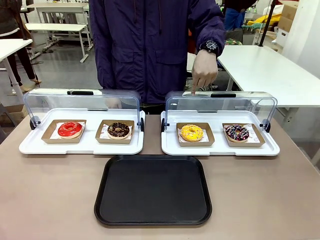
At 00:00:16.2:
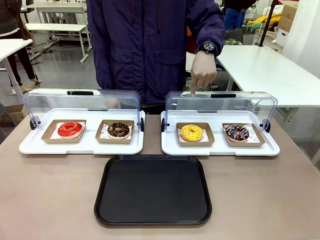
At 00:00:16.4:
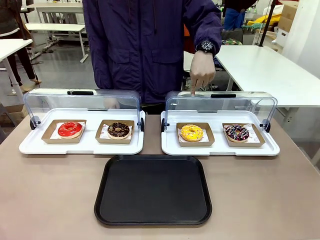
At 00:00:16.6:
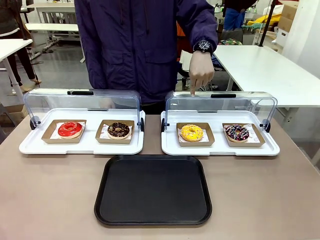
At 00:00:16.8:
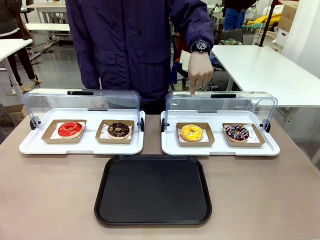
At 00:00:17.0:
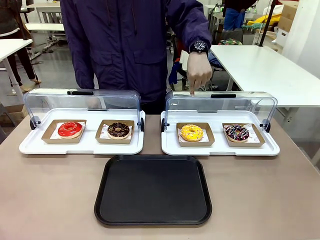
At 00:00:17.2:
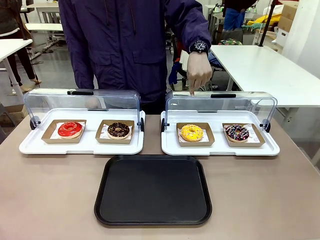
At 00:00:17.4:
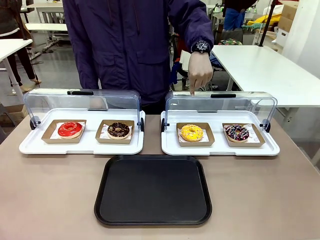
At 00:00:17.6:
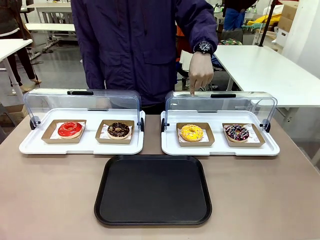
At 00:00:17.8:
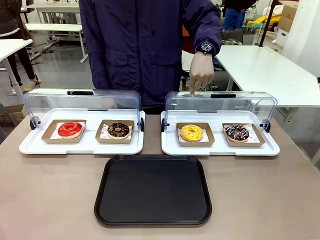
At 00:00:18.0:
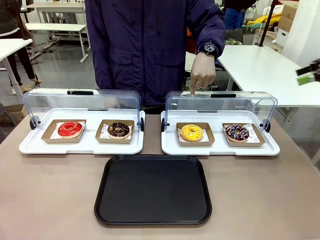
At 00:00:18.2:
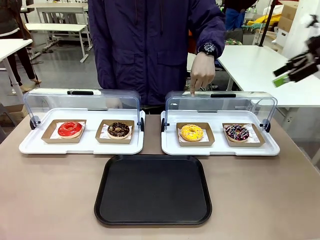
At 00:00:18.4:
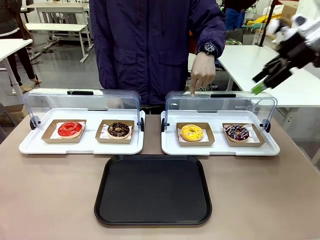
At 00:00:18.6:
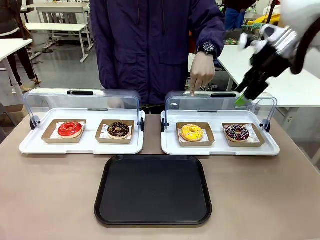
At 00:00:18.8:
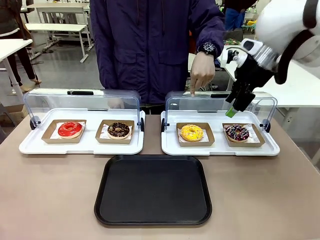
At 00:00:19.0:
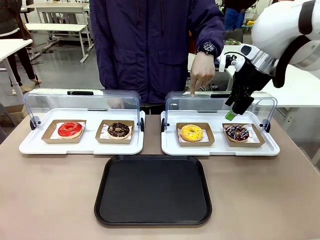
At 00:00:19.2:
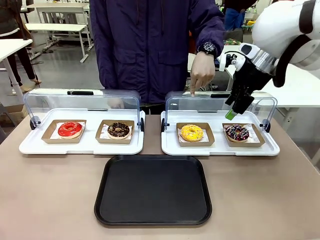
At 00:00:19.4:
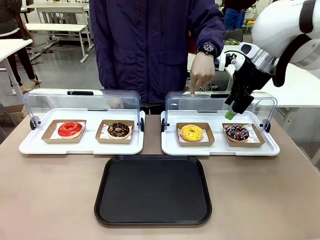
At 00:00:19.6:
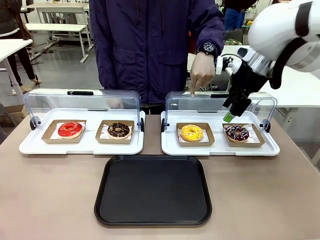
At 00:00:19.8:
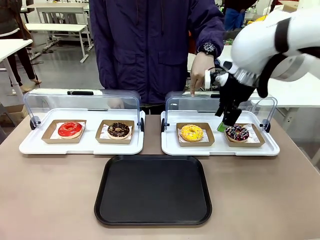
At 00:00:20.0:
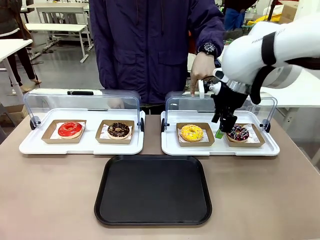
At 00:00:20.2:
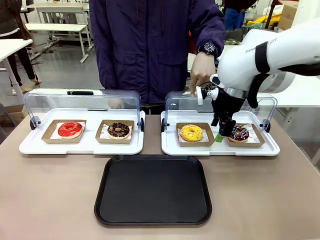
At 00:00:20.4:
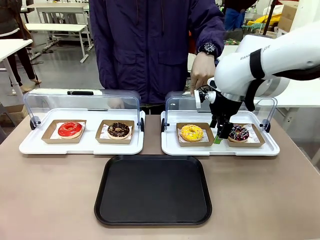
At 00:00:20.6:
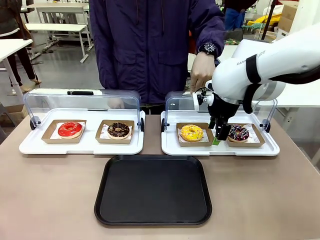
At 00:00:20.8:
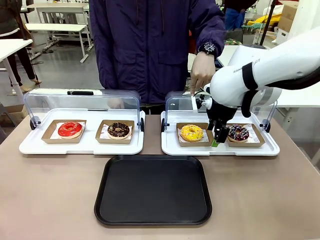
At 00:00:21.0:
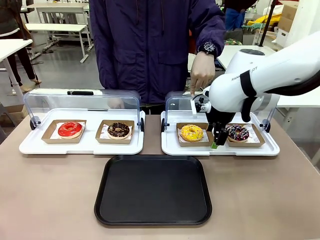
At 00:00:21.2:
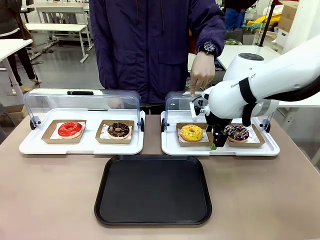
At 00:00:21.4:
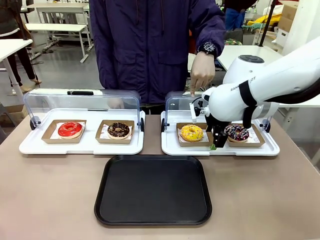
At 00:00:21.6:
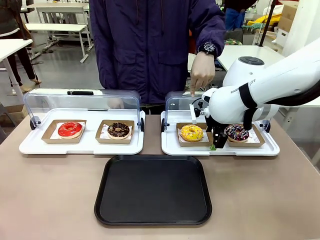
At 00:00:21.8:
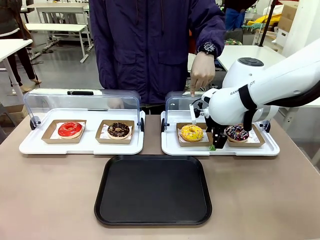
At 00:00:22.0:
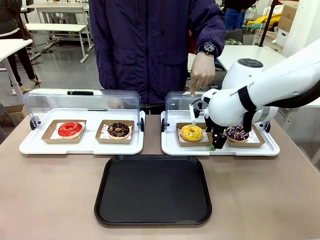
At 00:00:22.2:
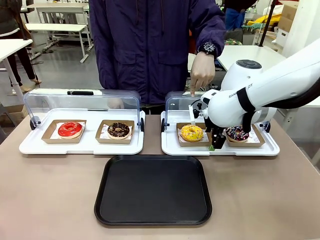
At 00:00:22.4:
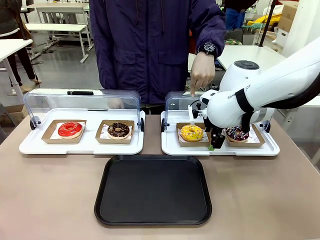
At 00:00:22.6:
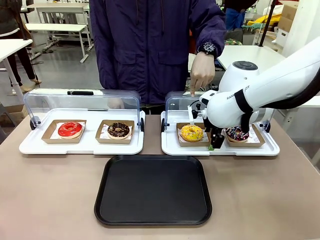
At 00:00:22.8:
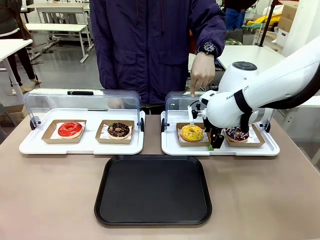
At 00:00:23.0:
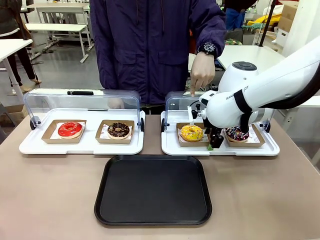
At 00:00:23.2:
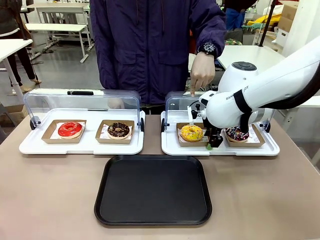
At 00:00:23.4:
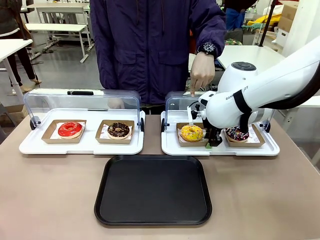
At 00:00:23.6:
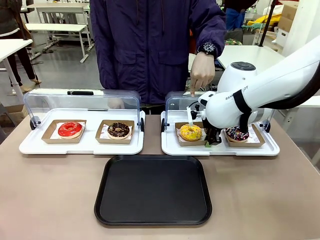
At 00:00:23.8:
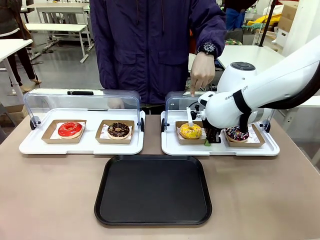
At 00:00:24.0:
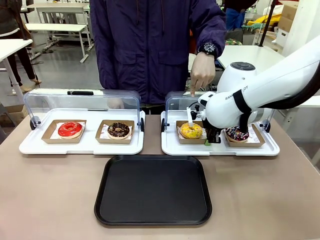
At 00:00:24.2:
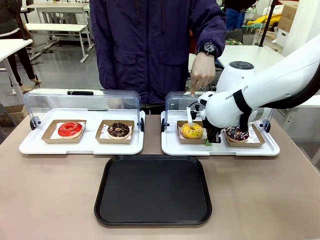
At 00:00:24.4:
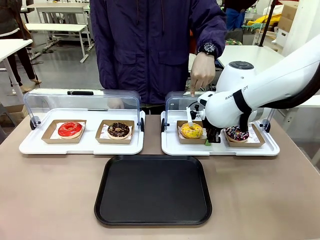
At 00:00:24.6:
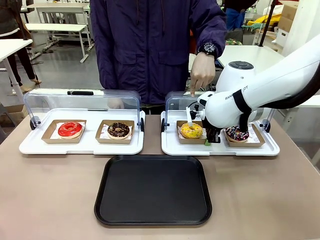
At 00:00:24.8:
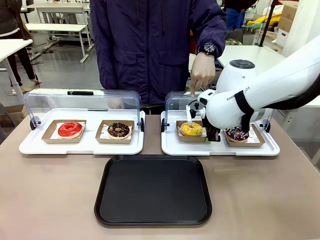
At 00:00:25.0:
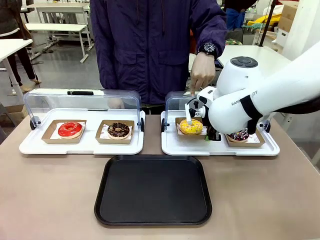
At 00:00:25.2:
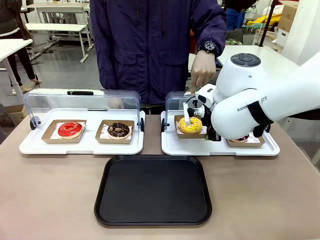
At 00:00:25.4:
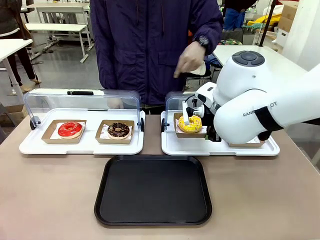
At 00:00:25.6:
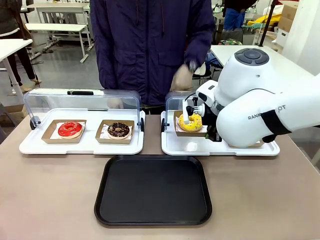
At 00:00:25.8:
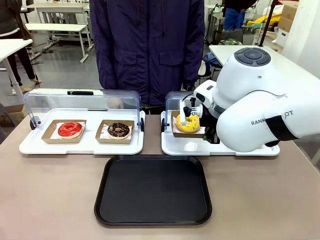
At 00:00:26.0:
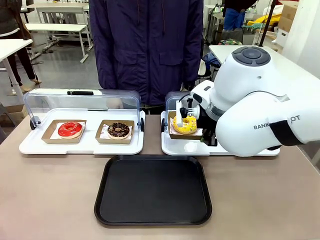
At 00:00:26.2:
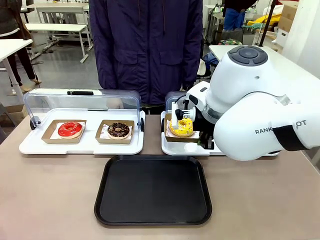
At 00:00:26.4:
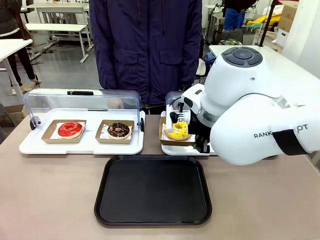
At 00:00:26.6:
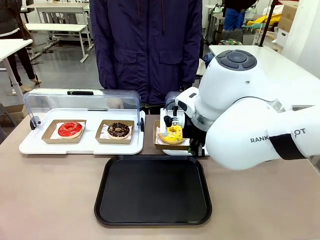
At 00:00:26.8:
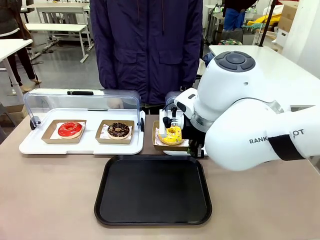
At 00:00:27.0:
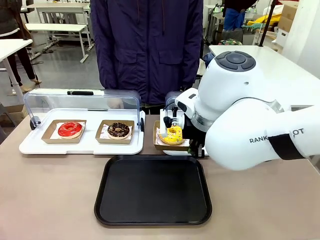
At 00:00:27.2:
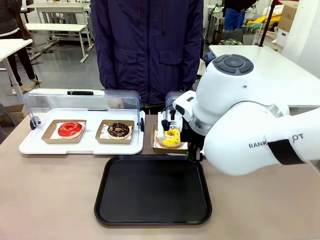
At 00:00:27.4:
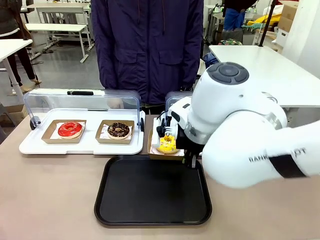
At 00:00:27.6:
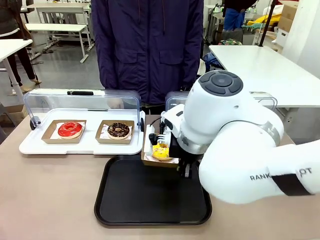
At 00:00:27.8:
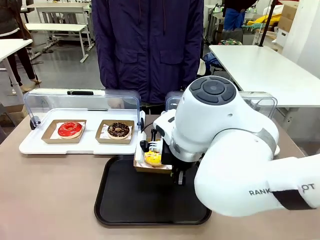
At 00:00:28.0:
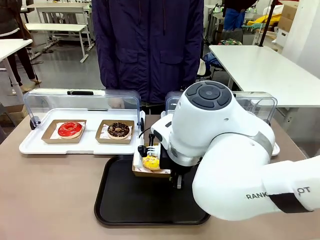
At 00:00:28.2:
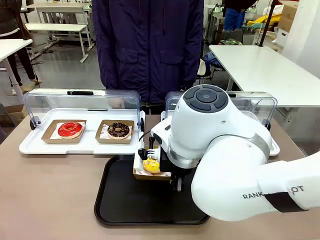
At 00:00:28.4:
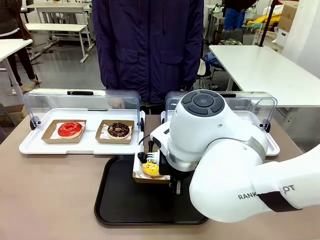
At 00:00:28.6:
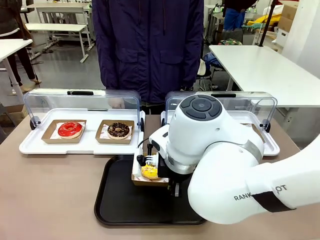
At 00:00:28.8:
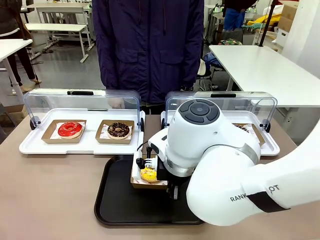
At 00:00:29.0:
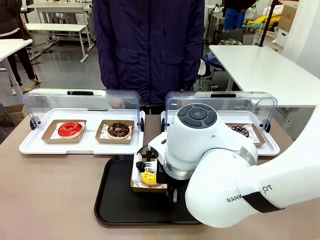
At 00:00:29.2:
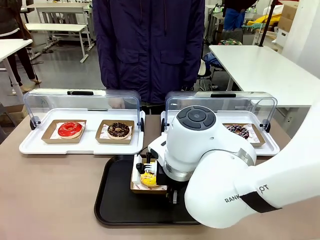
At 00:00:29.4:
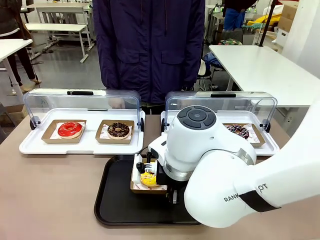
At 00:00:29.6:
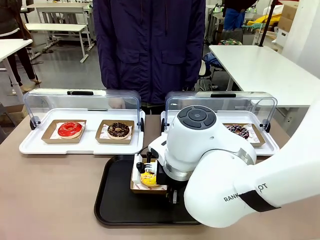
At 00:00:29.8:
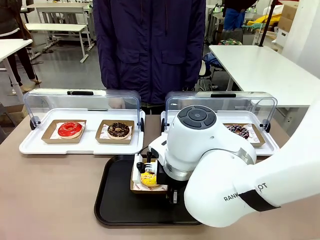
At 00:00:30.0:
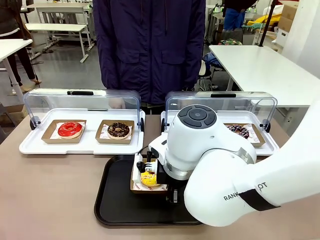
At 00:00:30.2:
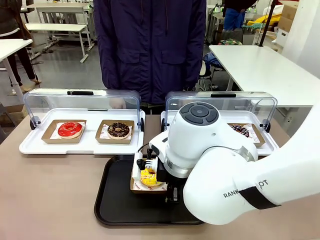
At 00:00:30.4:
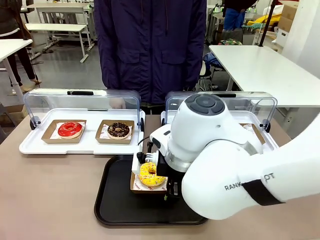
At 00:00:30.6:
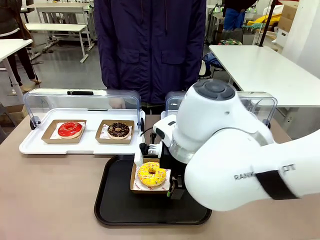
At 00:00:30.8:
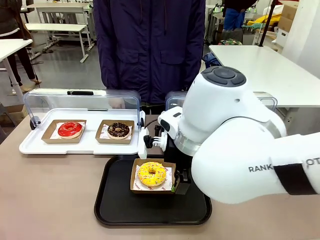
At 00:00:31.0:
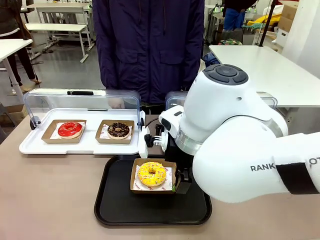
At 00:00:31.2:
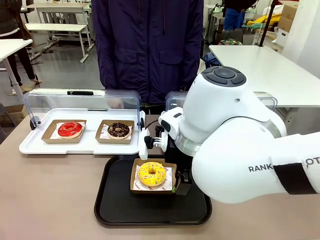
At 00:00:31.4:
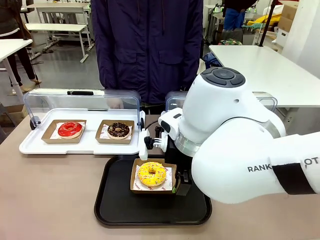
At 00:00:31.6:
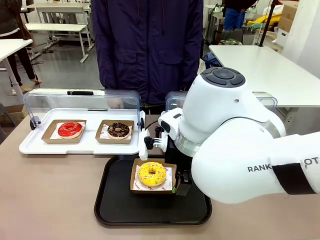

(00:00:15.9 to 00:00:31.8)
Task: Move the third donut from the left to the tray.
Robot: Pick up the Paper togo box containing the Donut indicated by the person and place it on the Handle tray.
